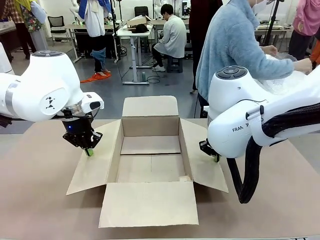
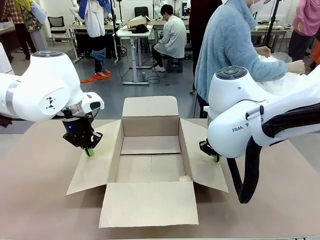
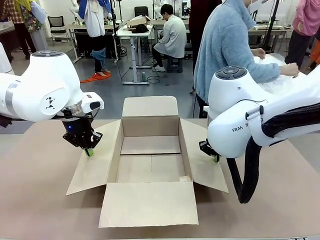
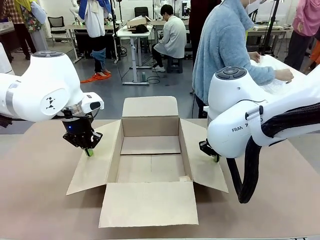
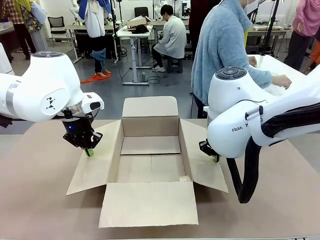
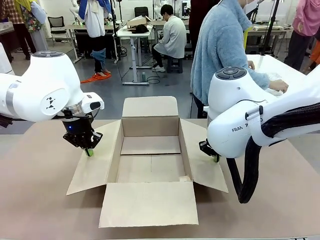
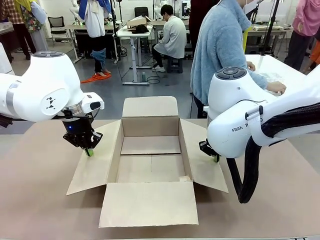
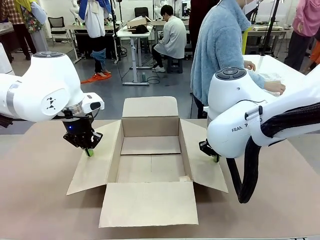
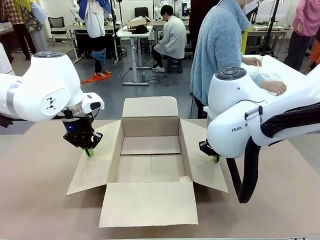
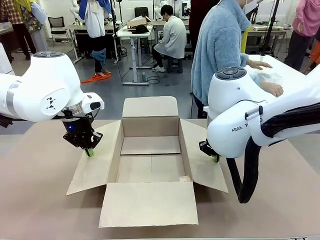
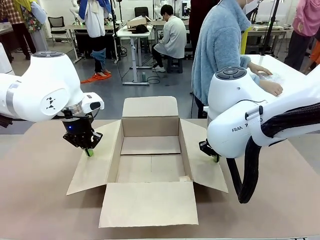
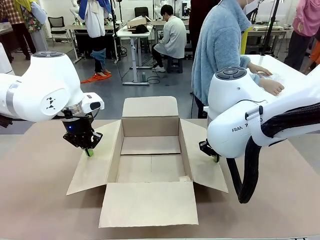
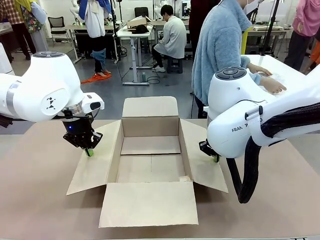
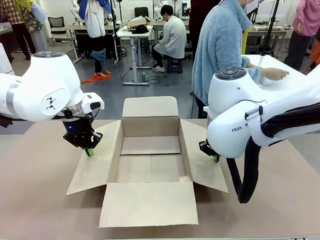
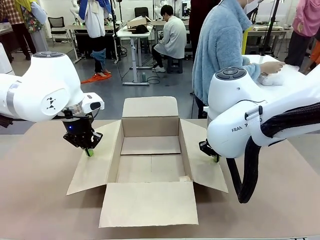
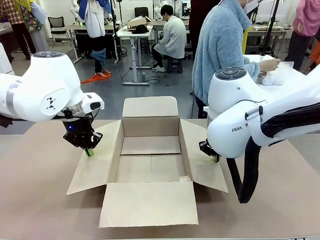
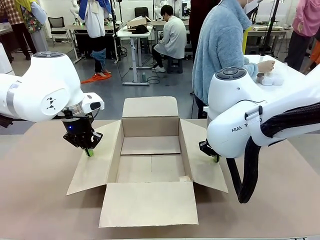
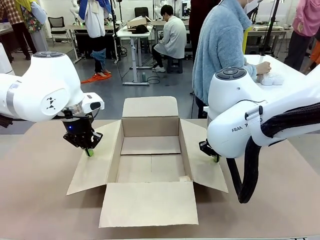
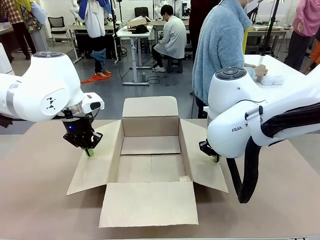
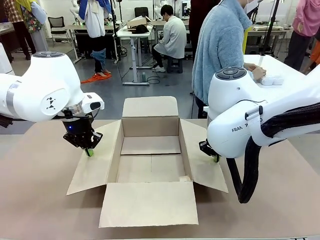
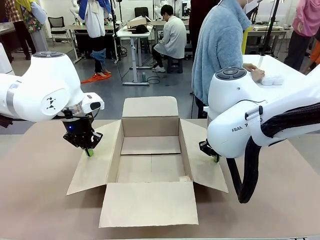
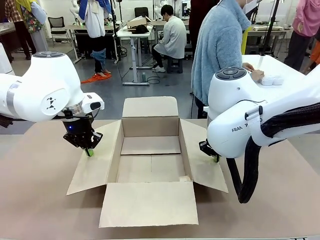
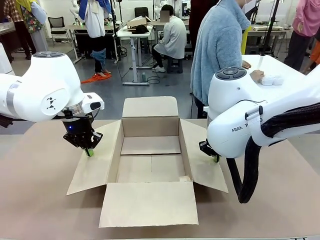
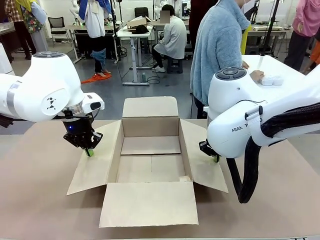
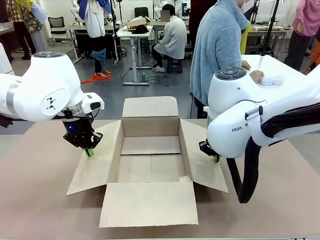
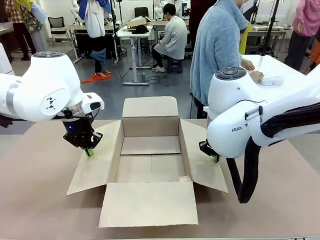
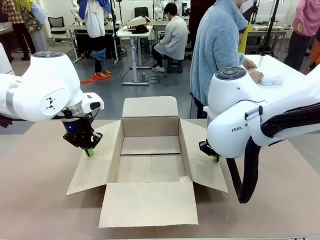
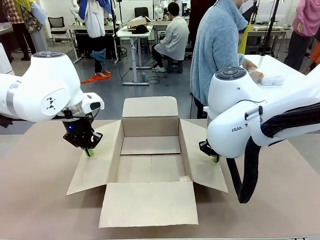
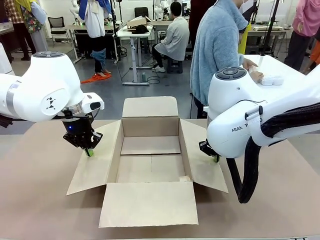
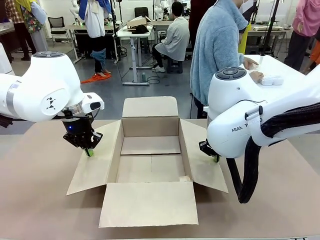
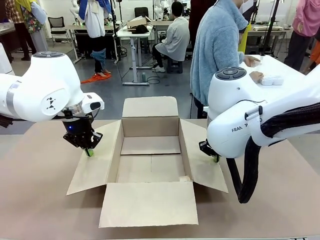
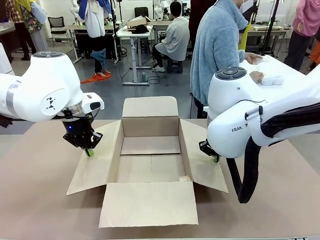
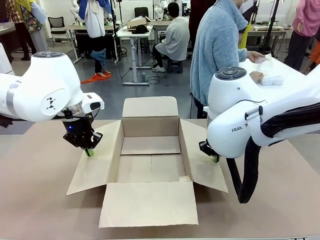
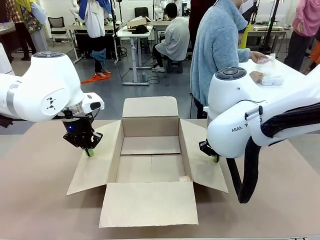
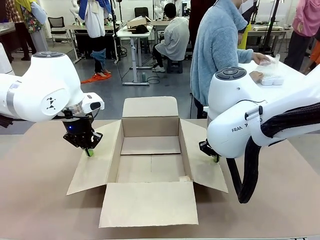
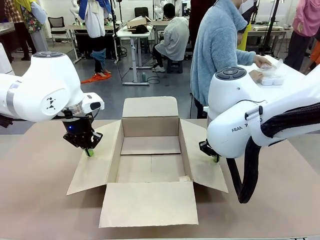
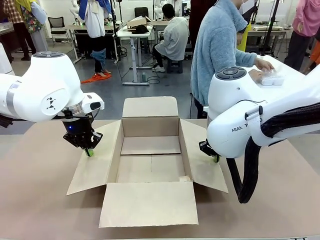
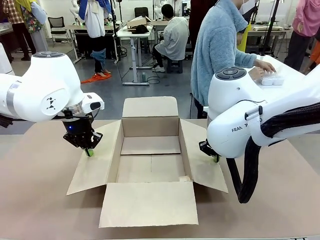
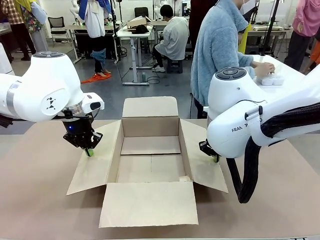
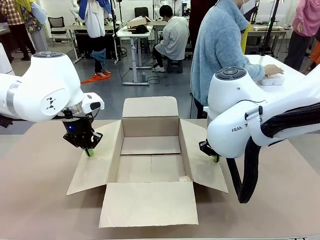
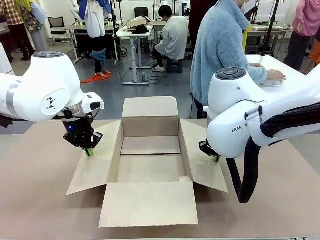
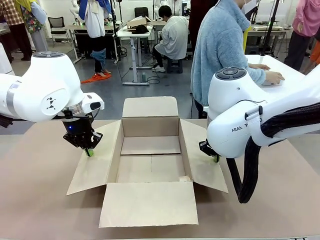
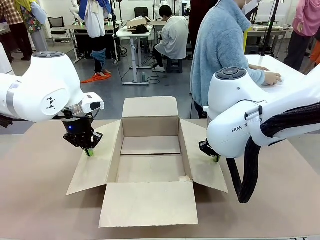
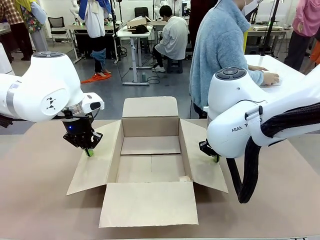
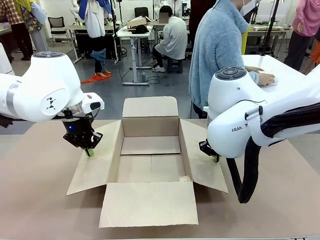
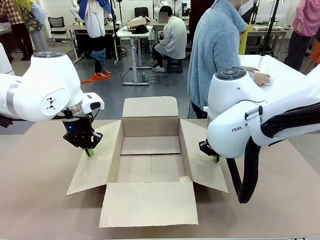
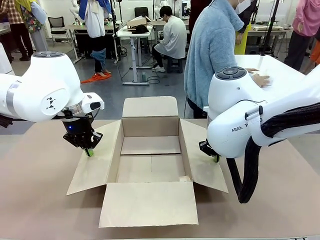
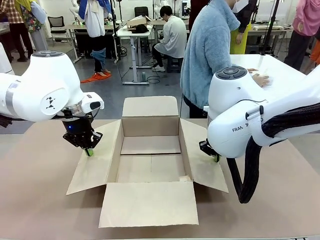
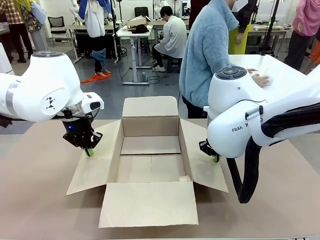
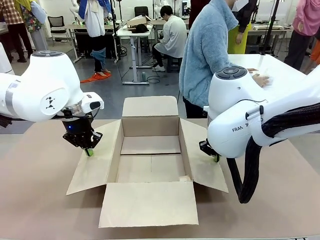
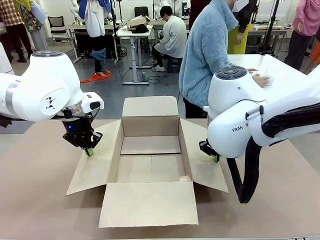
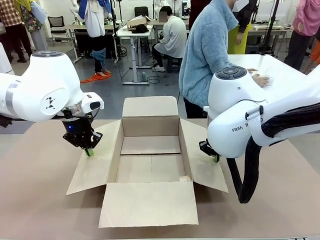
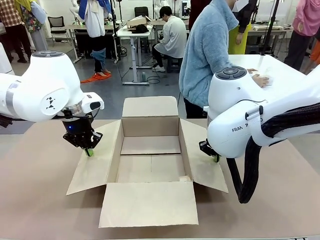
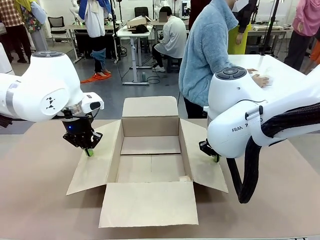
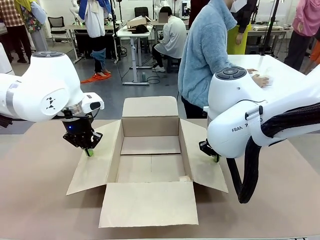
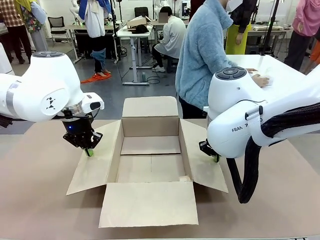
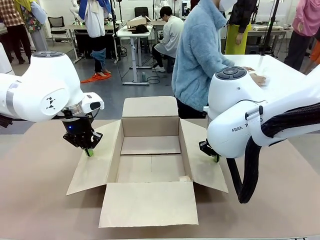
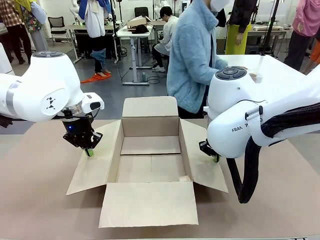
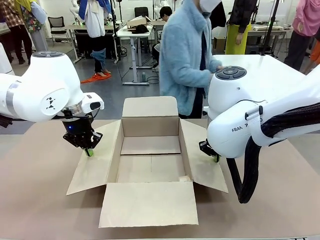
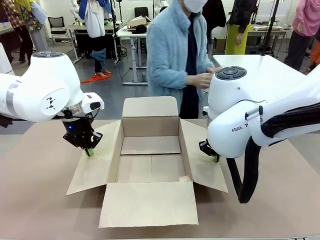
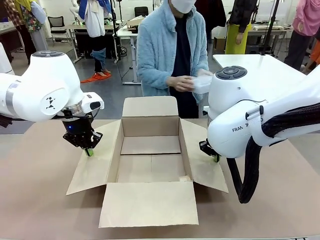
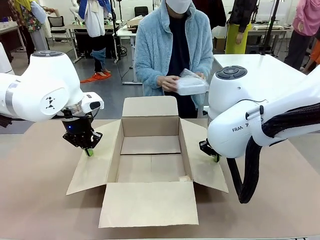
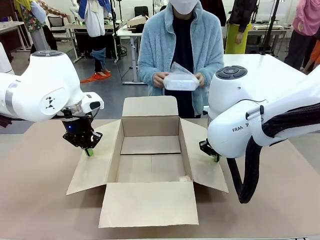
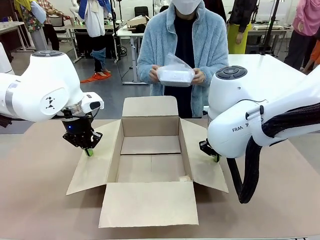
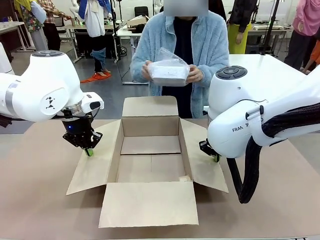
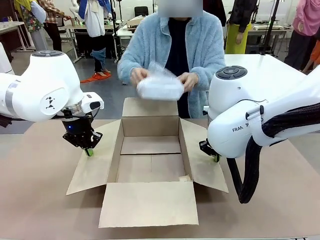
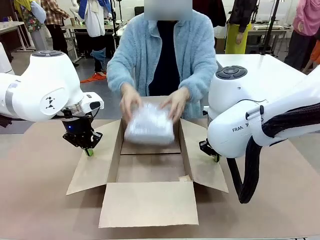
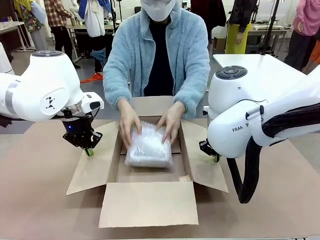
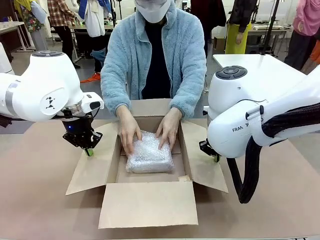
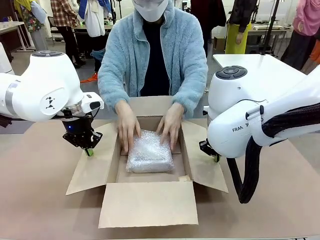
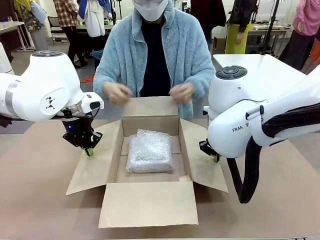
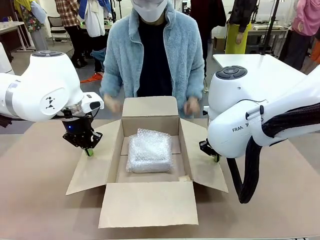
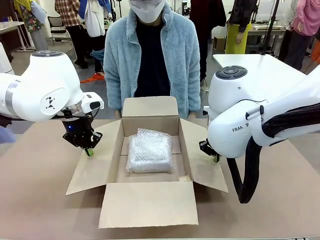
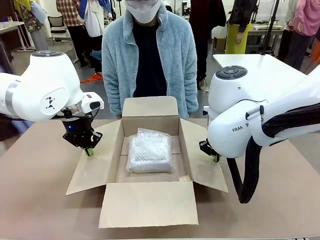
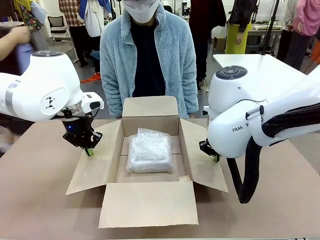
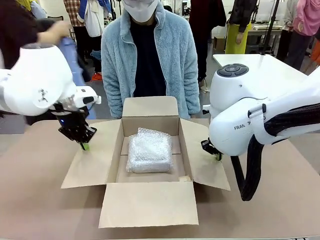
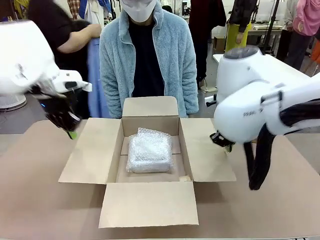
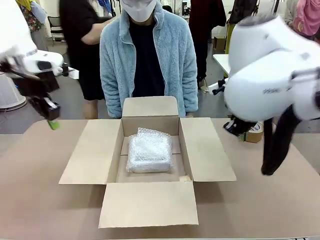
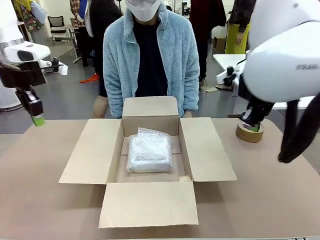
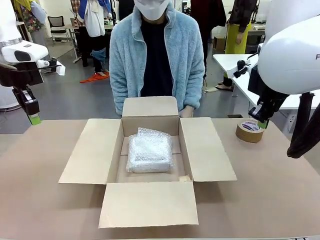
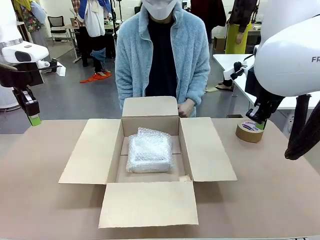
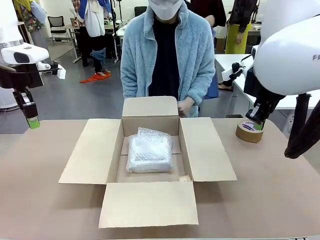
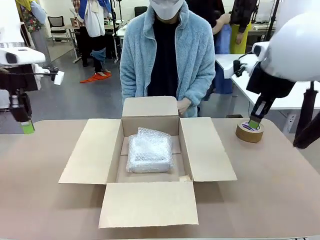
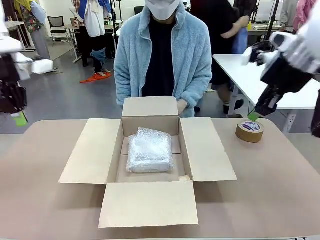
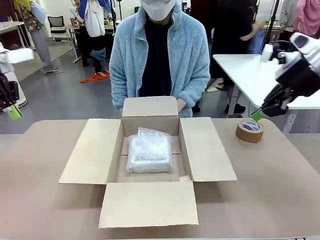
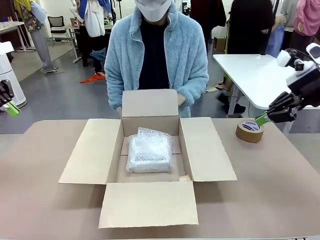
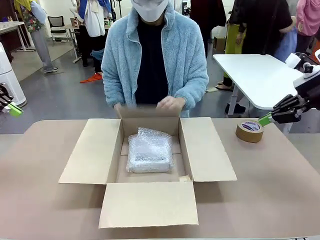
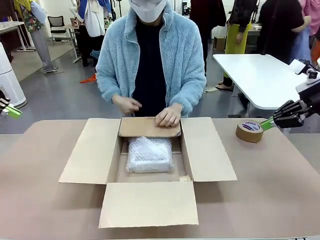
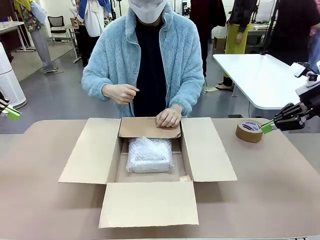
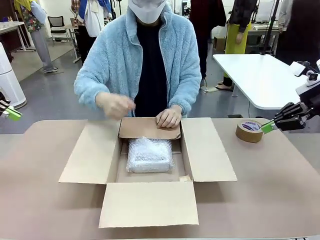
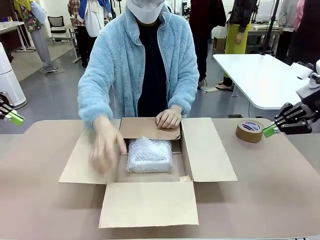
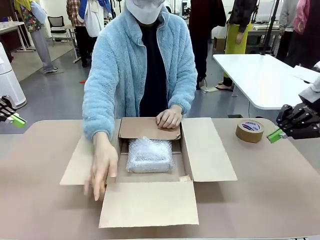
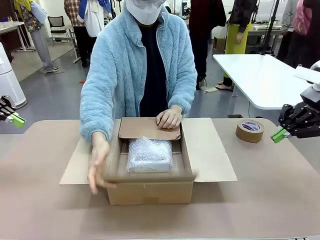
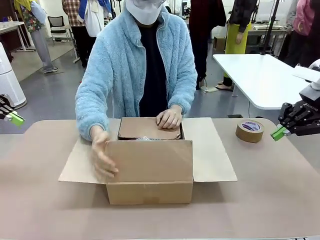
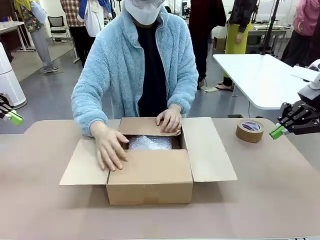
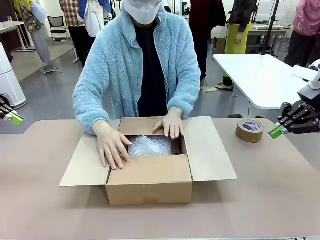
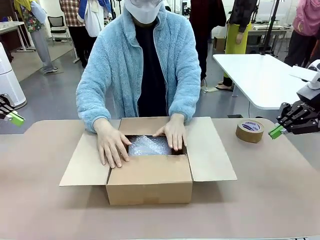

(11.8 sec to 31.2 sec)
Task: Wrap the clocks to prevent damage.
Robot: Once the human has placed the objects inside and stepped back, release both hands from the side flaps of the Package Box.
Person: Place the wrapped Digital clocks inside the Package Box. Hold the top and bottom flaps of the Package Box closed with your left (or right) hand.
